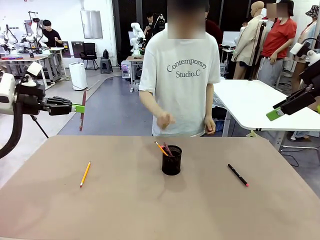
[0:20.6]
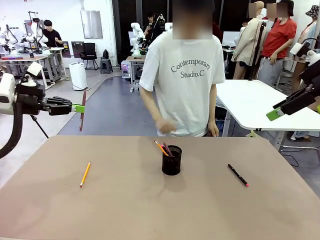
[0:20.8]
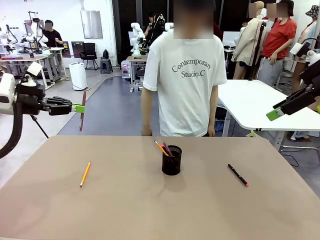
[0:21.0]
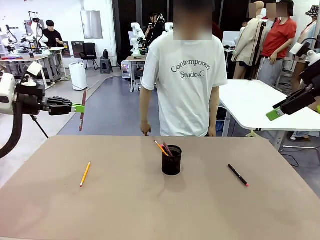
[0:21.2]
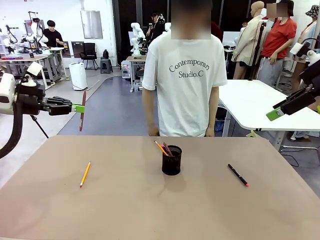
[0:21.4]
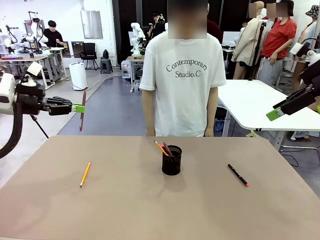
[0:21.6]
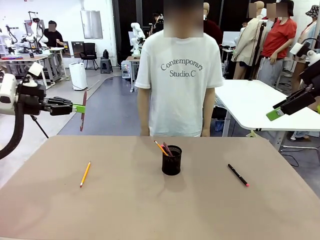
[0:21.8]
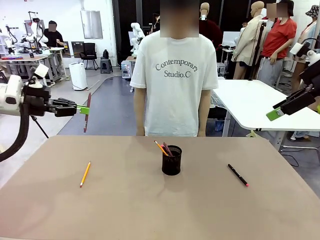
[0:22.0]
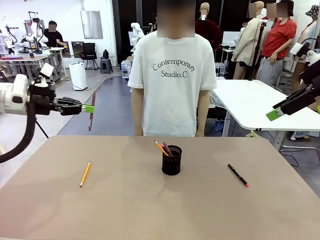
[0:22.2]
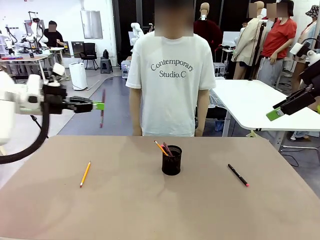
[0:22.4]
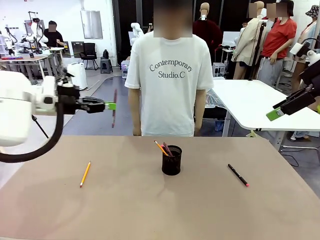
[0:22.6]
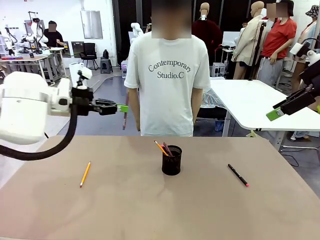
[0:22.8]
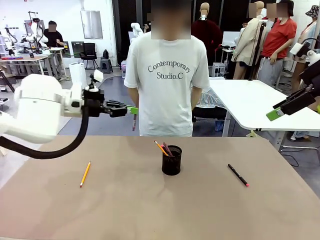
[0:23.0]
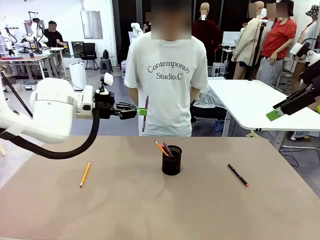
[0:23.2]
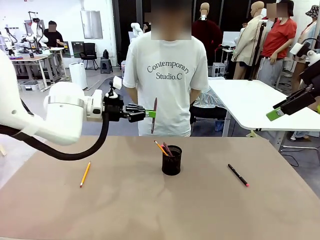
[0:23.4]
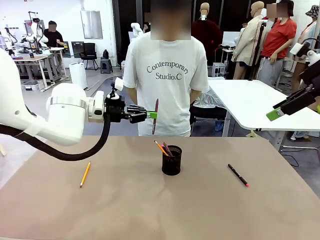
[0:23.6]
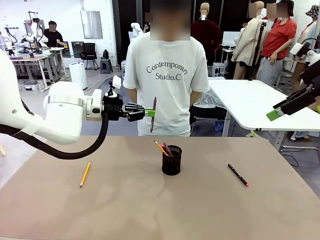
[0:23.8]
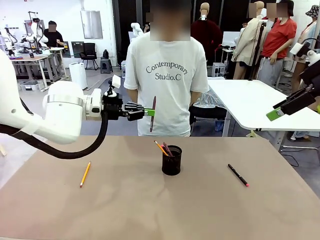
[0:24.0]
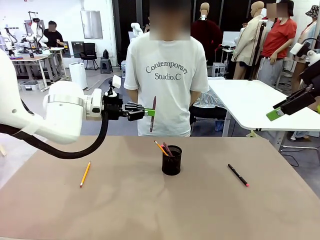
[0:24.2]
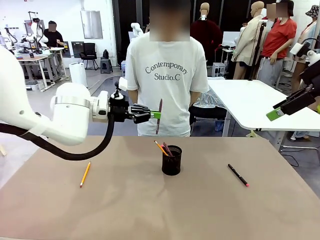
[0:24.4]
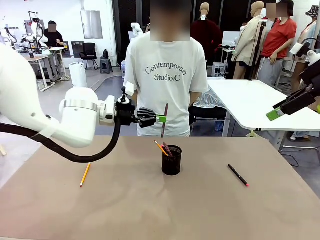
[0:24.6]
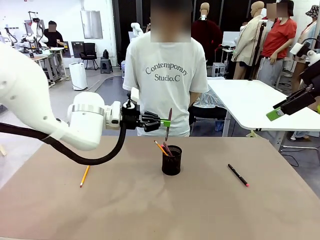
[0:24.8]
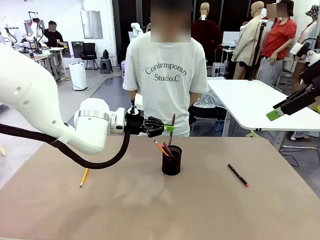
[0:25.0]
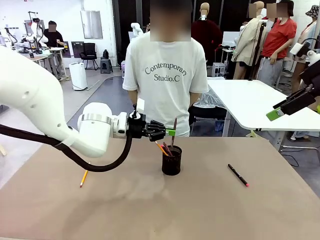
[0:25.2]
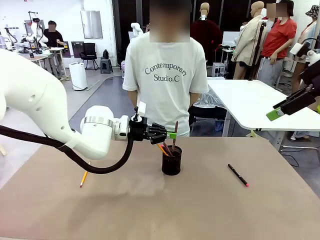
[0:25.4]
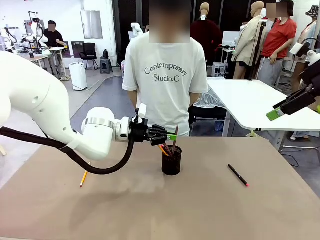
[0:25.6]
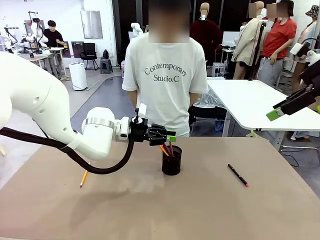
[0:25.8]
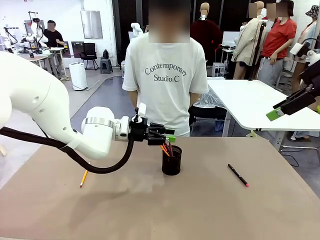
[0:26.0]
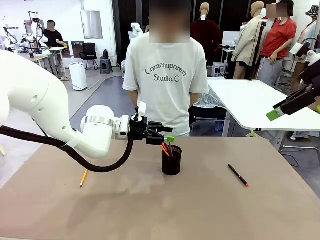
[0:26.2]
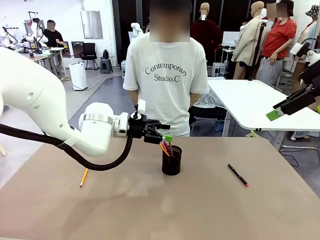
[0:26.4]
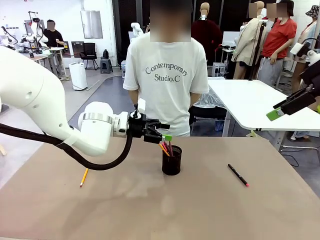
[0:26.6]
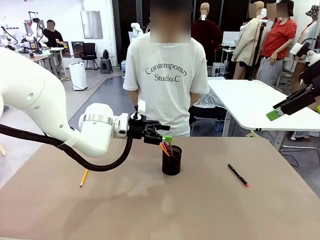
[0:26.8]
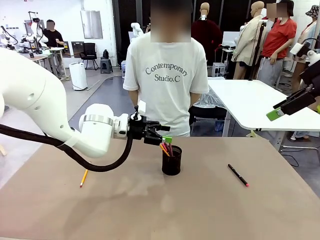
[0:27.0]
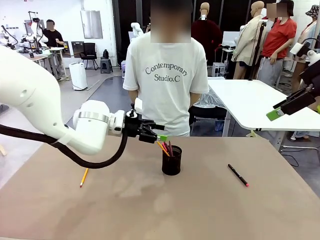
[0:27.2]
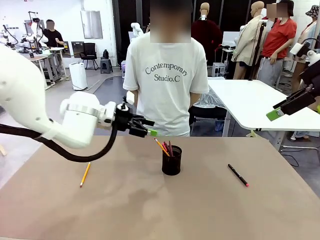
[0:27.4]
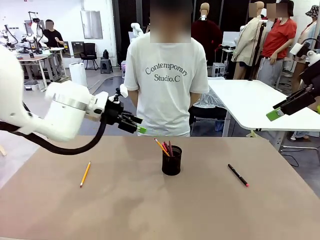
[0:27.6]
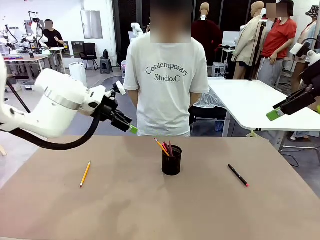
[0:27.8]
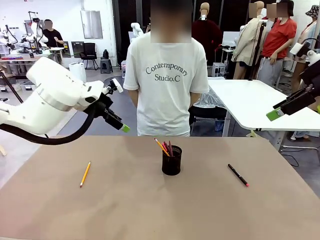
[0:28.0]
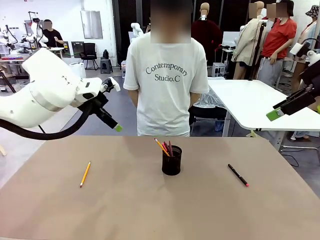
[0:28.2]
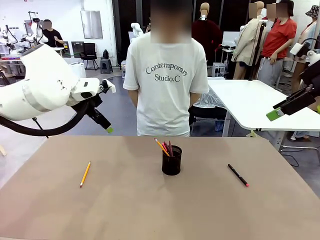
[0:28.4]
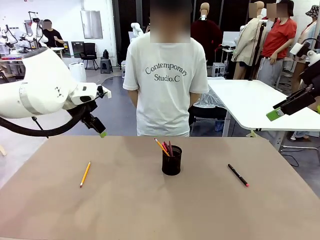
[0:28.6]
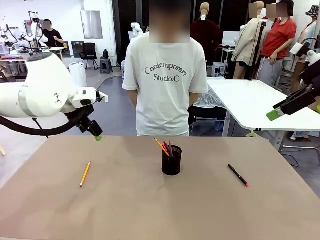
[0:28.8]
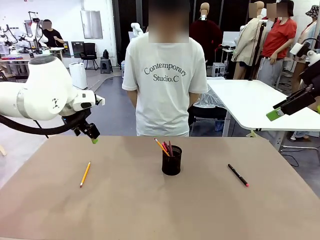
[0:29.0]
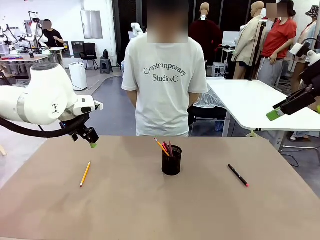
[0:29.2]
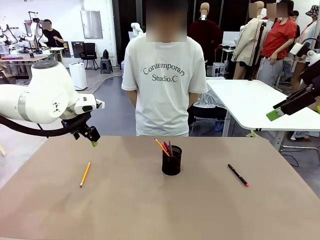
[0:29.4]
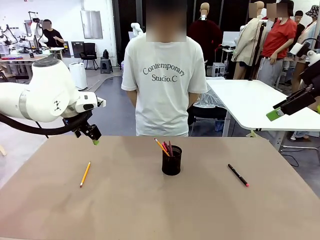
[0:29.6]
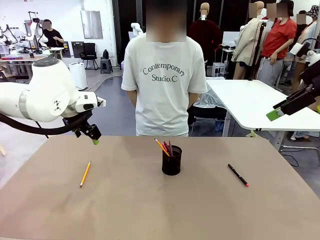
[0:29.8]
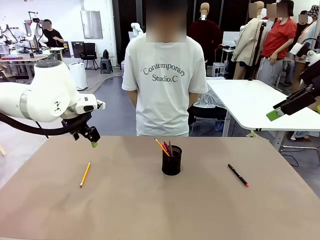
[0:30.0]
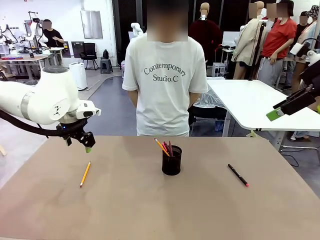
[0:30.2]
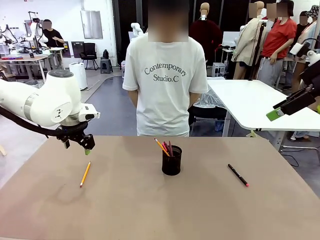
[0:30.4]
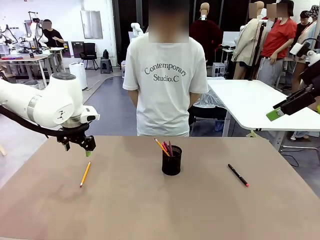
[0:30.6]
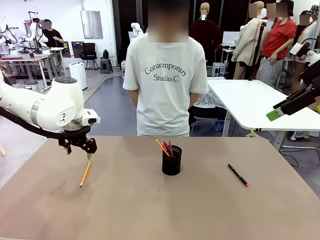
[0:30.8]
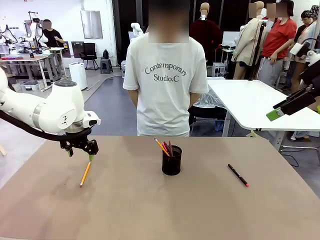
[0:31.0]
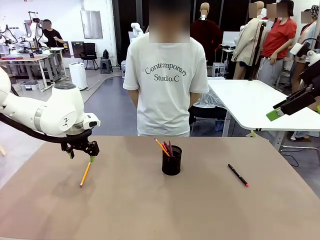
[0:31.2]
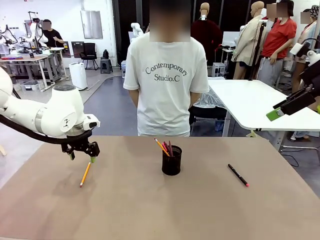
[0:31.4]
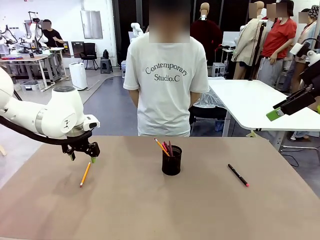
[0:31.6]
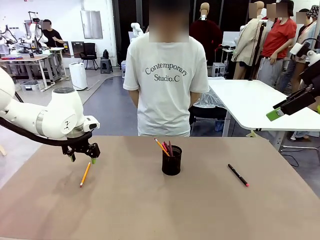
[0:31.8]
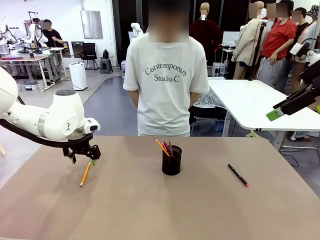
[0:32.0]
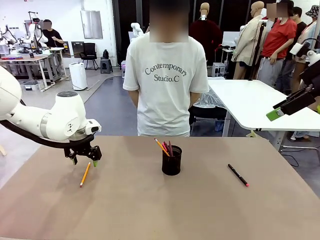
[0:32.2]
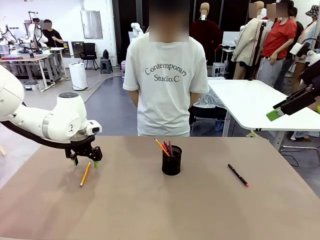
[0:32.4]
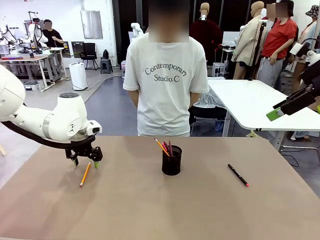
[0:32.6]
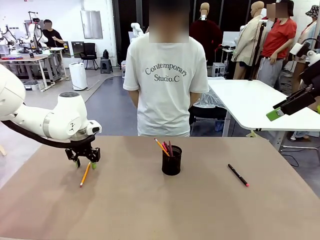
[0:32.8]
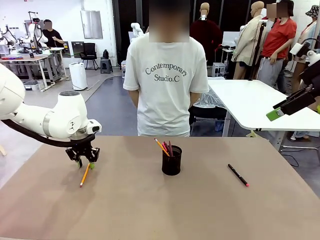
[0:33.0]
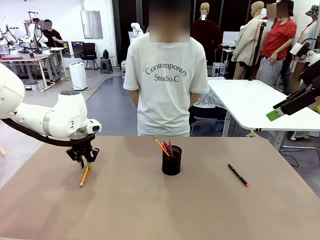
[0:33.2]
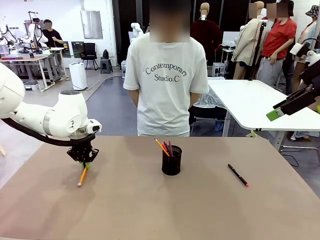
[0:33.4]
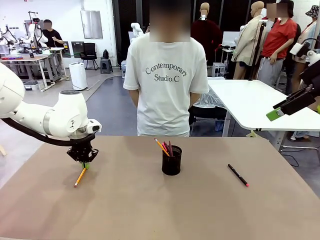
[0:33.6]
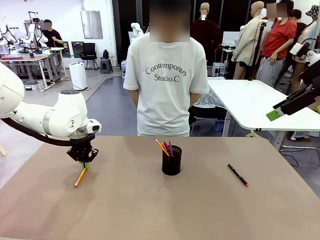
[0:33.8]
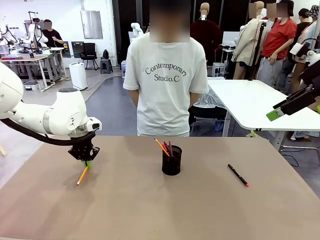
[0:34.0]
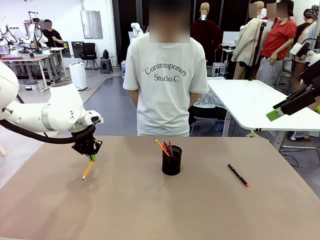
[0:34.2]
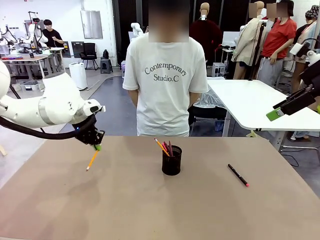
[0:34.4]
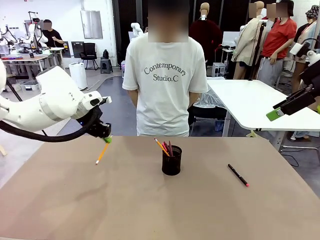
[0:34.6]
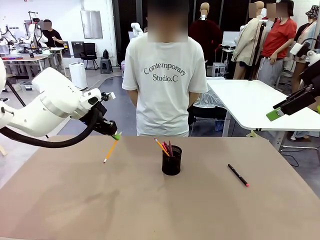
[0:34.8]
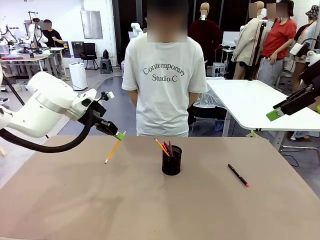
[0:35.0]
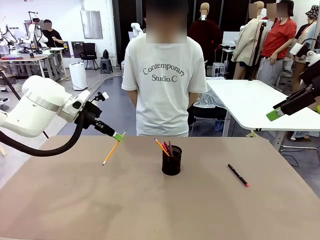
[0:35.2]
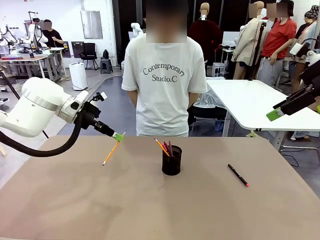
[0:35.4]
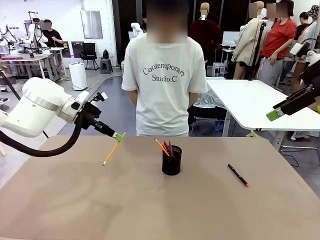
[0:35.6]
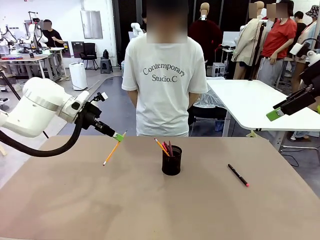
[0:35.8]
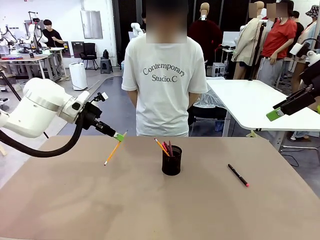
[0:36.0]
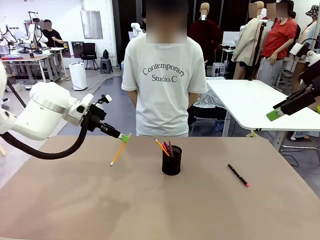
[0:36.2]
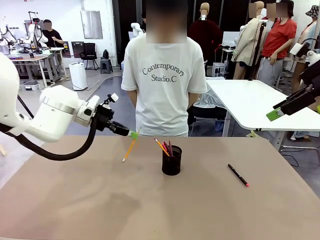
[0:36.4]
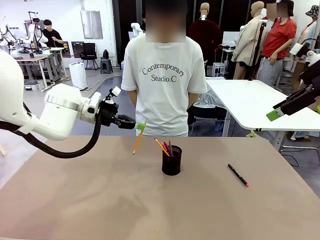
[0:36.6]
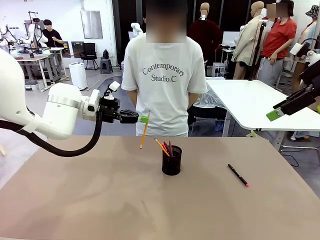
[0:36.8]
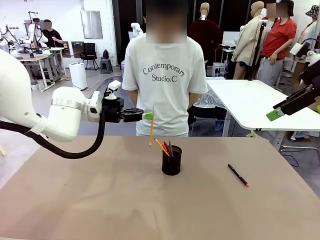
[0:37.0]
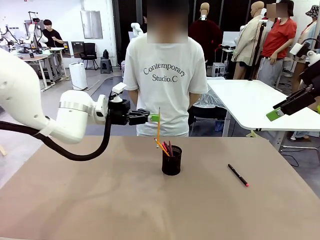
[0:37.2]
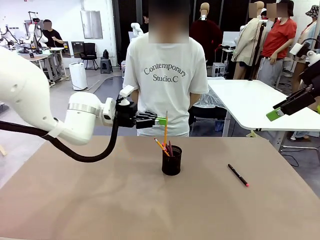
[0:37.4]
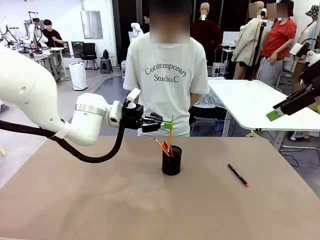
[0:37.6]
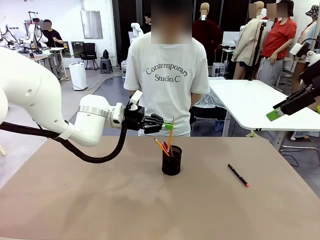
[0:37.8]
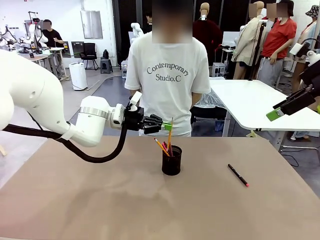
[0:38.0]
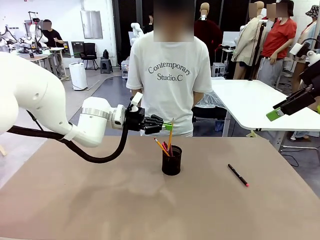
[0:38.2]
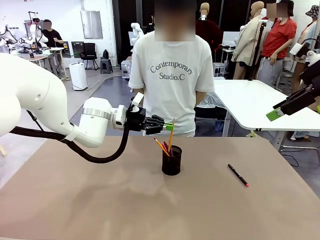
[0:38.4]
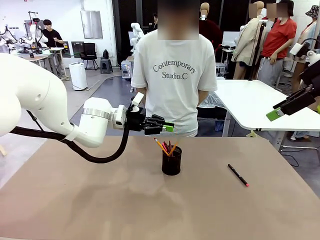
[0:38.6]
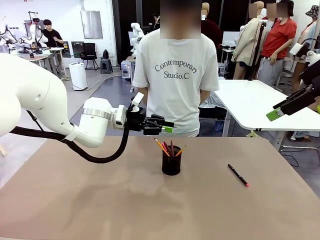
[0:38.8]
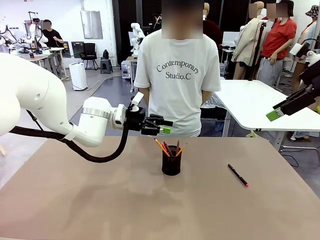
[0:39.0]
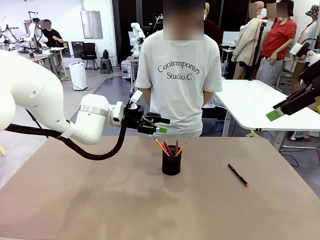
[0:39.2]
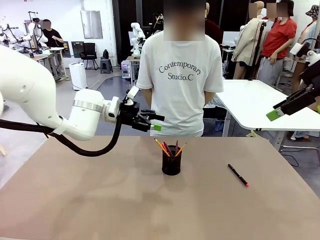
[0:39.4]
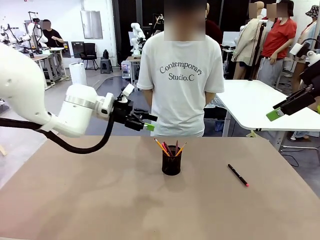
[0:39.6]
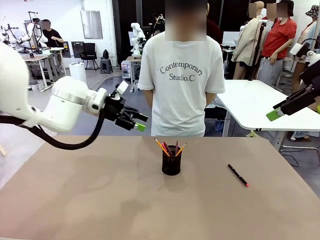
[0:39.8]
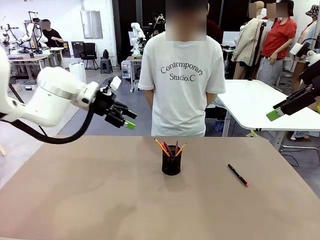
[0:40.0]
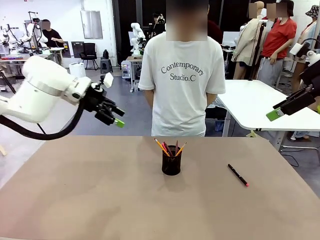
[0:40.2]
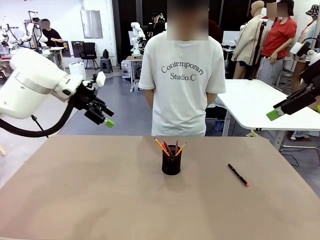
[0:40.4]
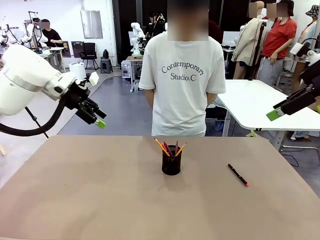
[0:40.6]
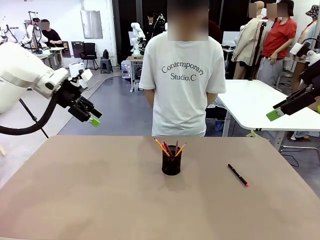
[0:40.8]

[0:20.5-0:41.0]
Task: Place the pens into the pen holder.
Robot: Pick up a writing instrument from the table and place it into the Pen holder.
